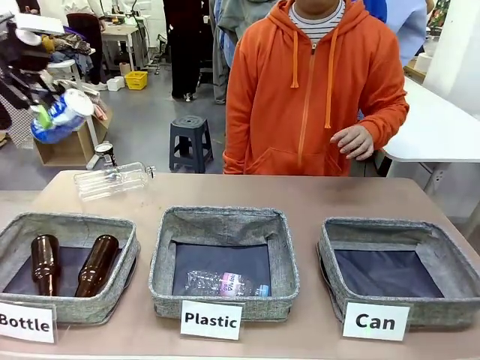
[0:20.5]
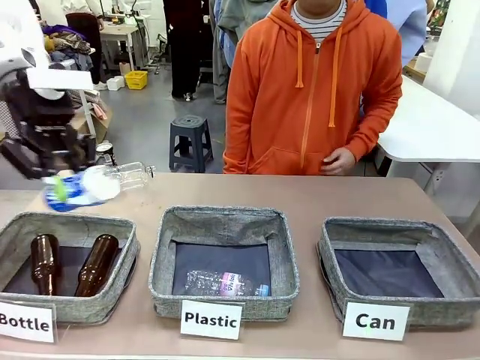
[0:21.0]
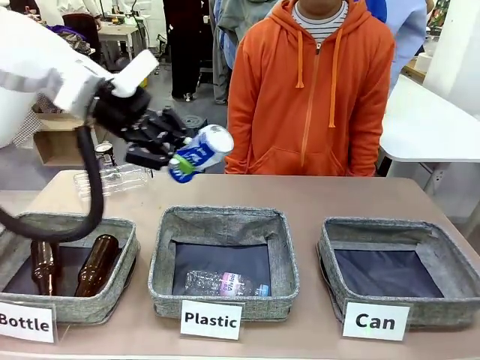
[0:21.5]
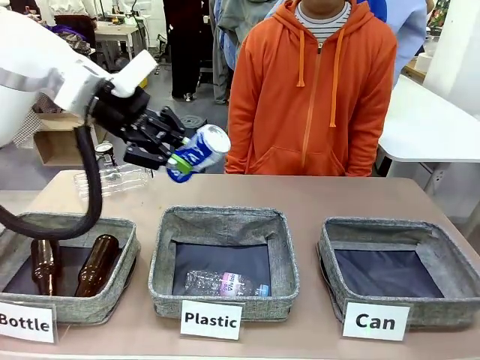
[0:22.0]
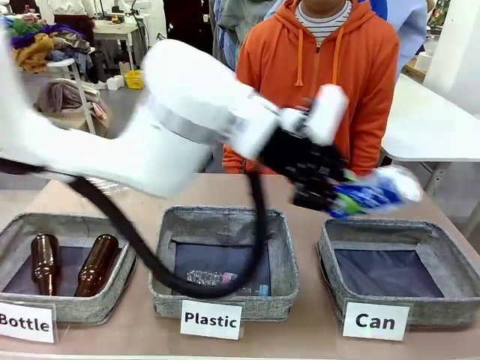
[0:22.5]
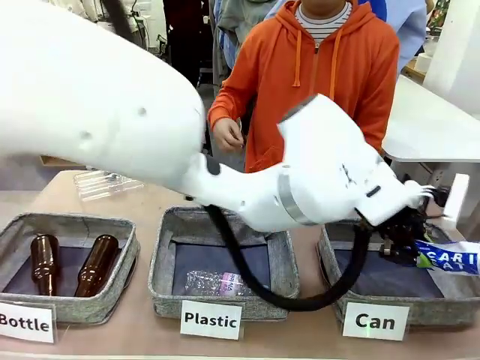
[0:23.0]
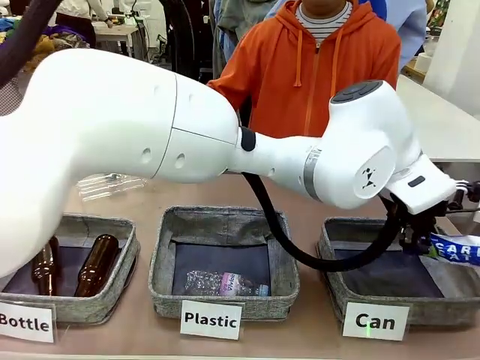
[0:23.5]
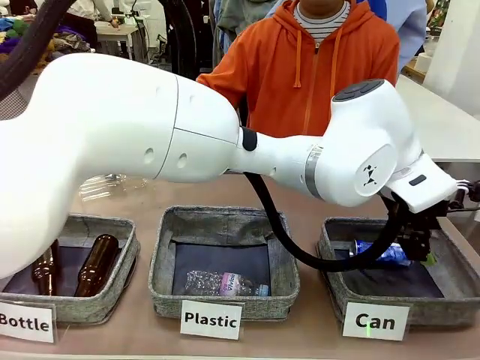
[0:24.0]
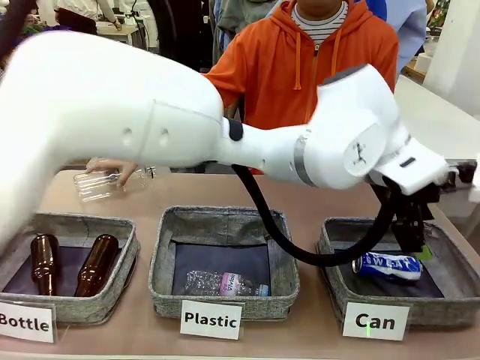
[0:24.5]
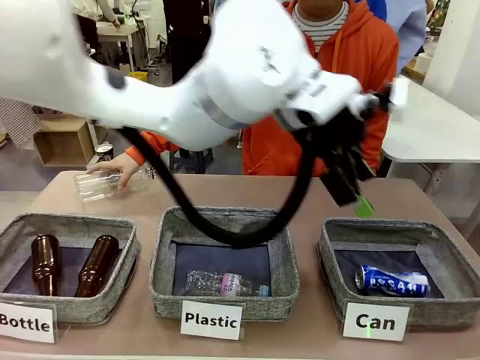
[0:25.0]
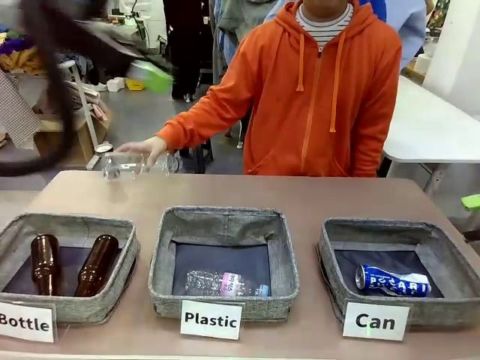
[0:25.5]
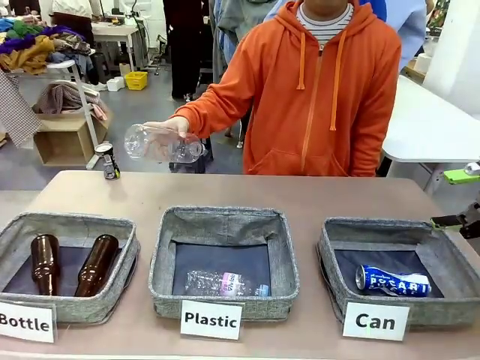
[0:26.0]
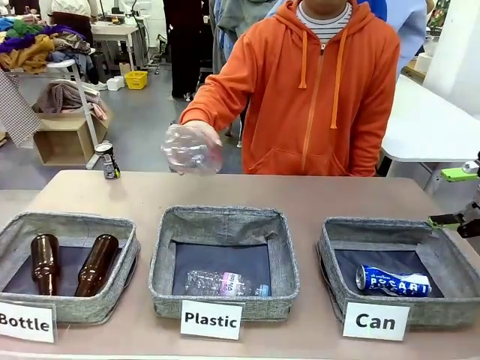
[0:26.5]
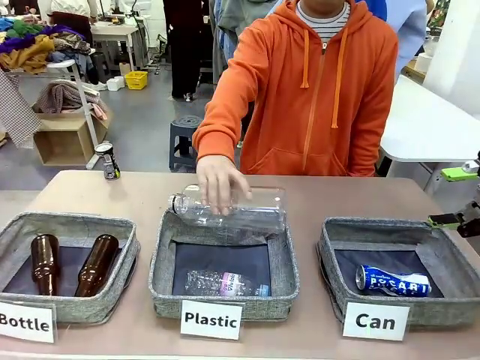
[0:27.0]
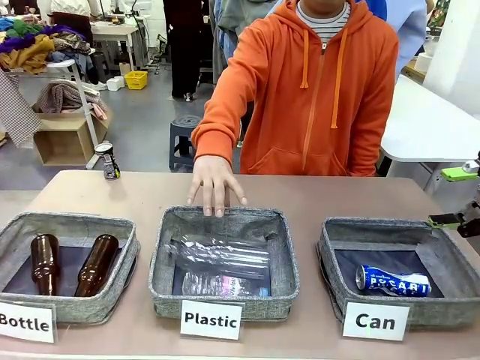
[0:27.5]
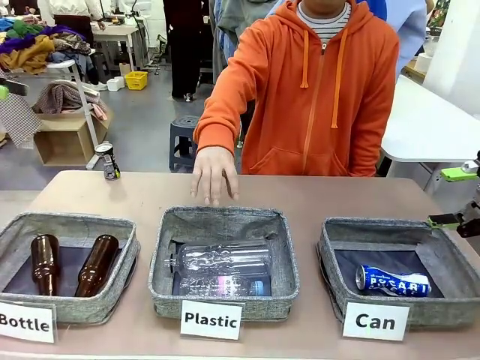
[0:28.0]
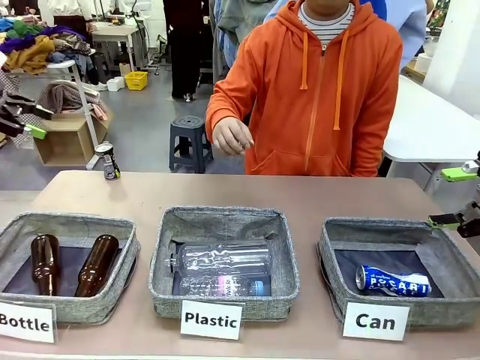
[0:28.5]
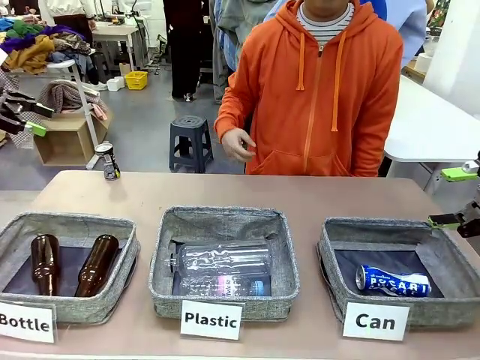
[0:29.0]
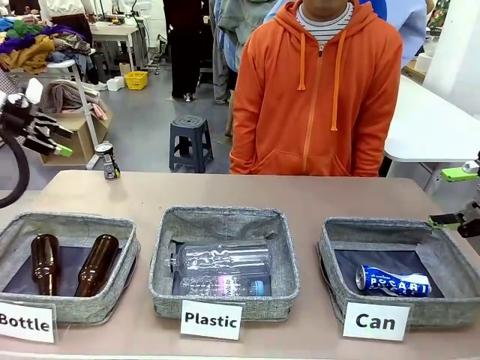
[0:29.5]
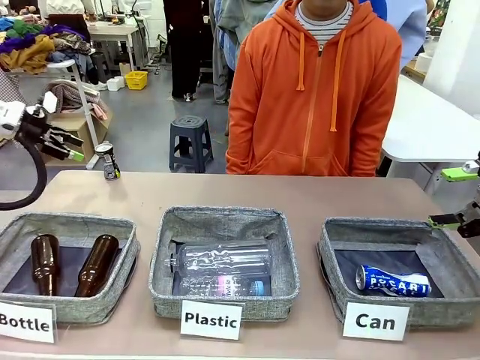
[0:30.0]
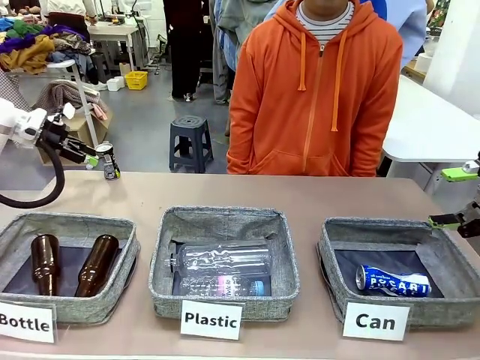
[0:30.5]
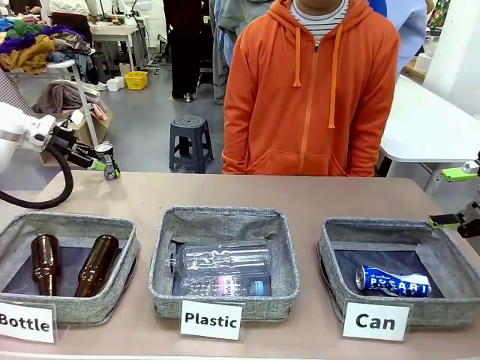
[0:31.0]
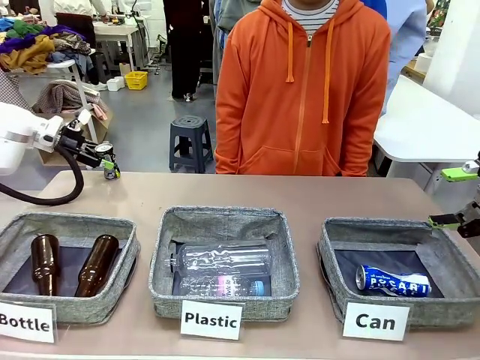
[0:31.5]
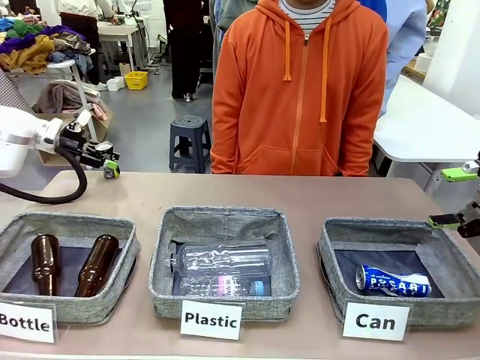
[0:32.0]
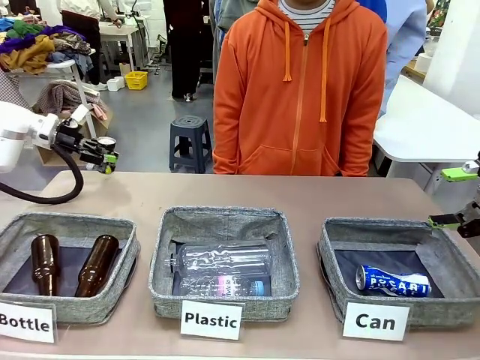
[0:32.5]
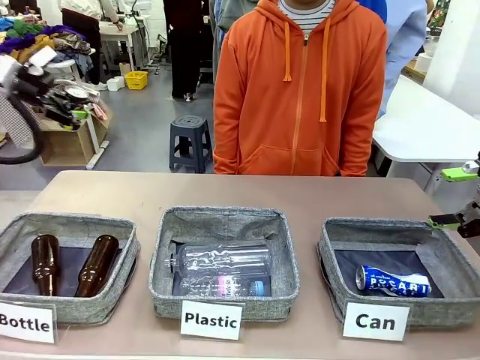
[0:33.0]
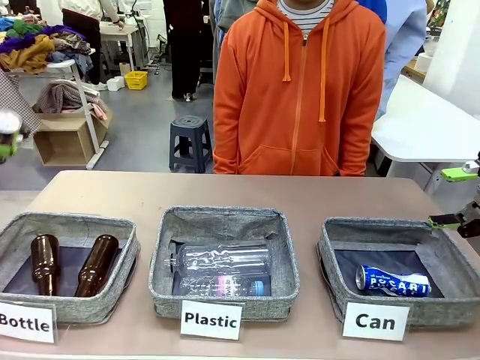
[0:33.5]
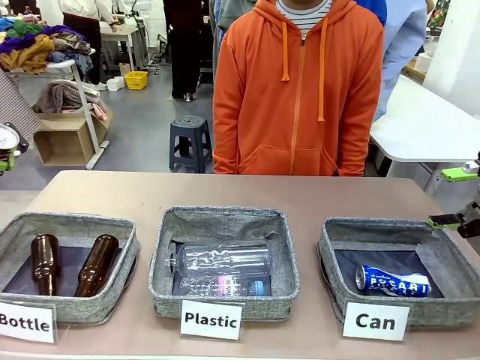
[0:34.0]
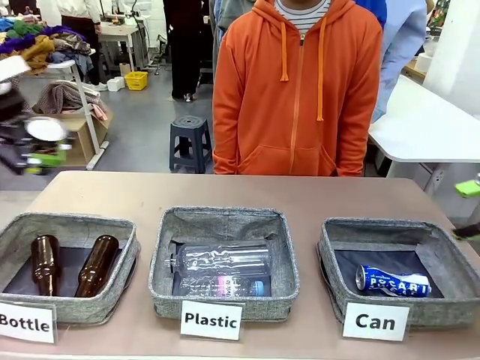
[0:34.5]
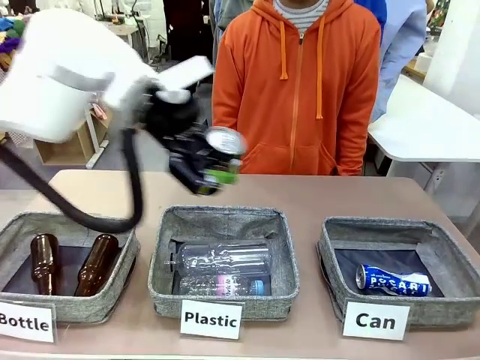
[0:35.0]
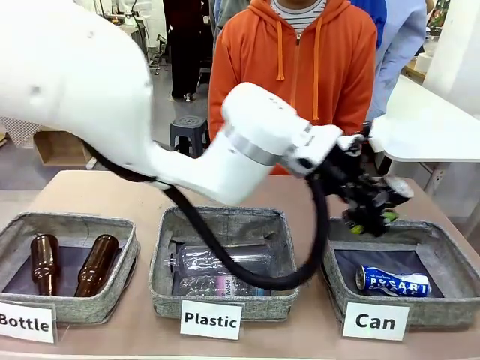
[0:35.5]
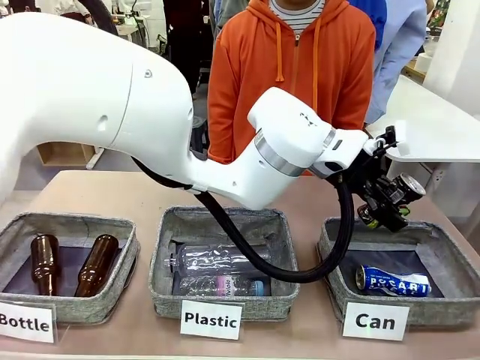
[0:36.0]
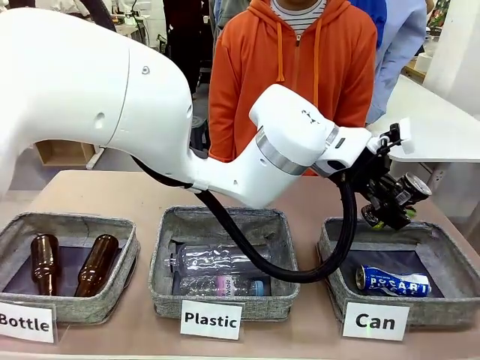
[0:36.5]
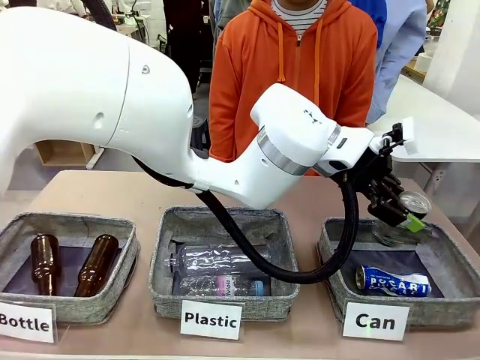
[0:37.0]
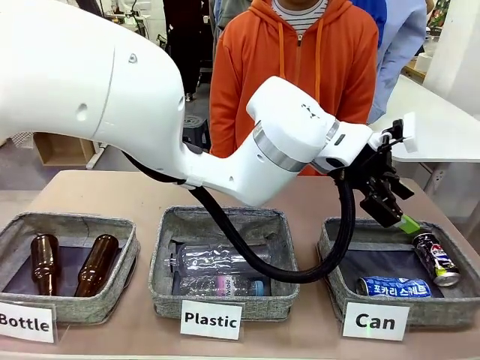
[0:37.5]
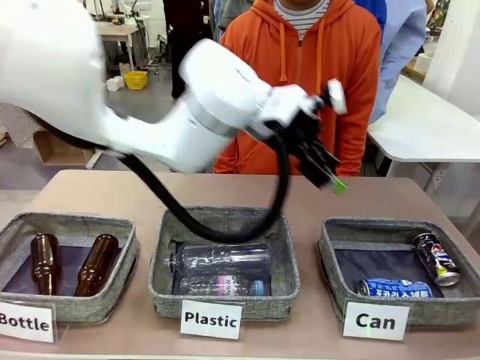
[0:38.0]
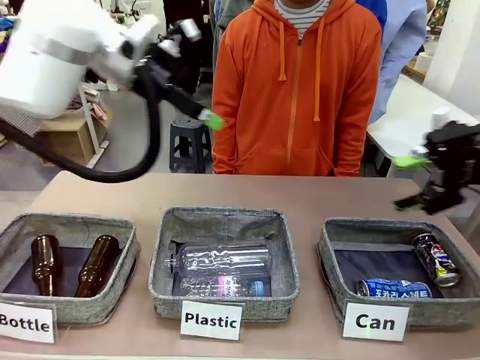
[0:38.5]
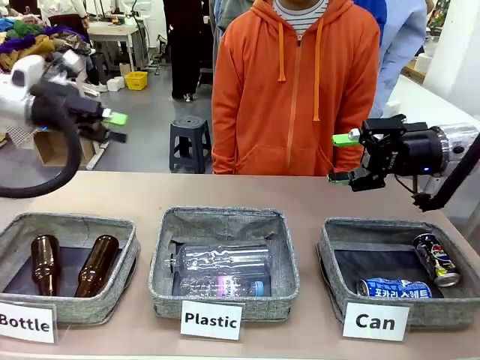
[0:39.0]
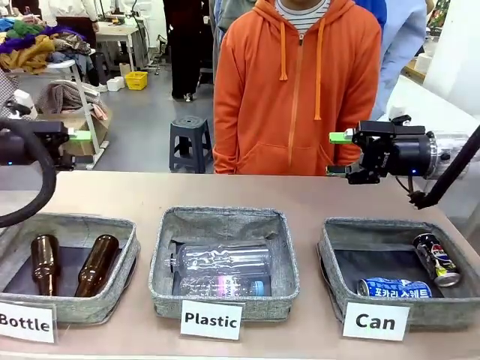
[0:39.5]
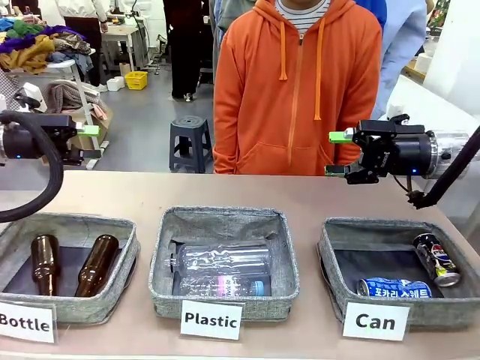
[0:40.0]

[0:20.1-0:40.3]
Task: Sort the can waste into the basket.
Robot: Pick up the can waste from the table and place it in the right Fabric basket.
Person: The human picks up one piece of trash that is not a can and places the trash into the appropriate organizing basket.

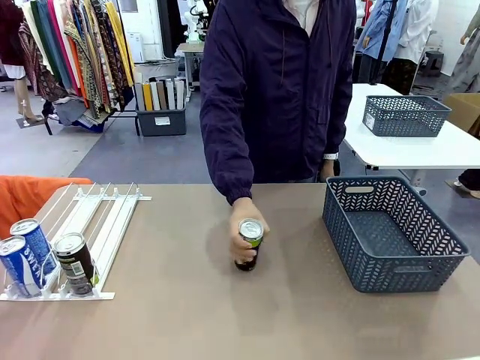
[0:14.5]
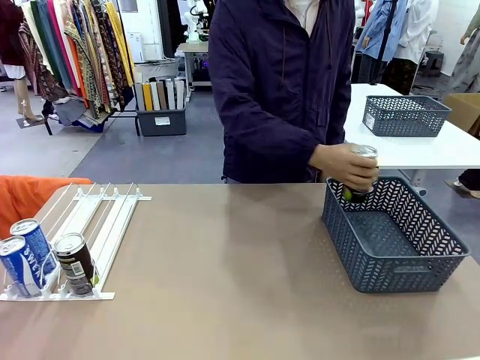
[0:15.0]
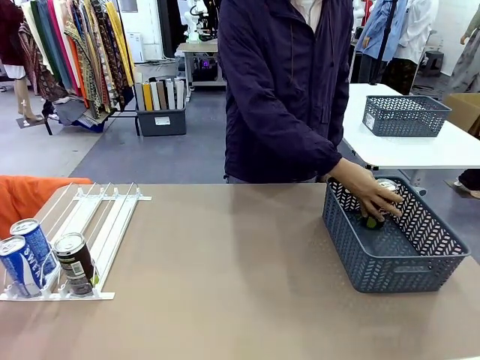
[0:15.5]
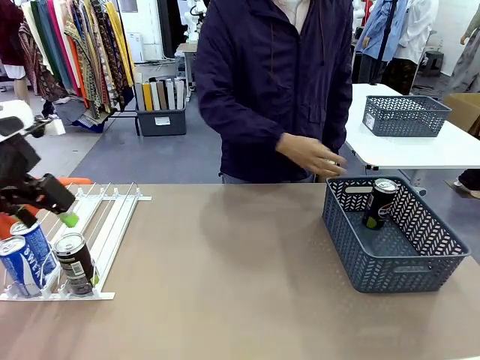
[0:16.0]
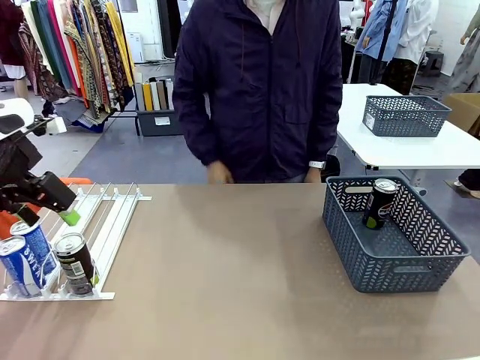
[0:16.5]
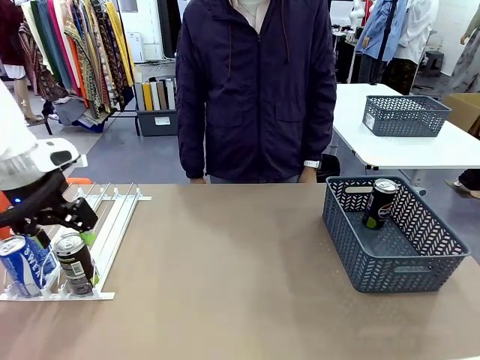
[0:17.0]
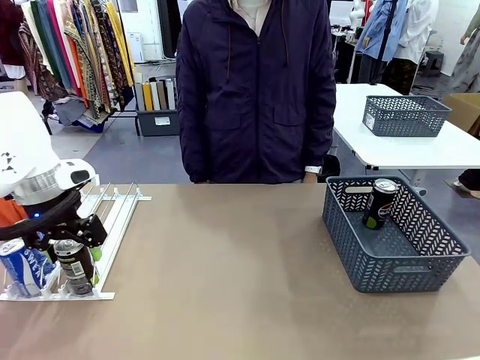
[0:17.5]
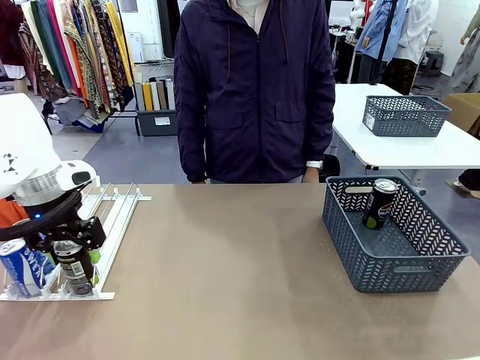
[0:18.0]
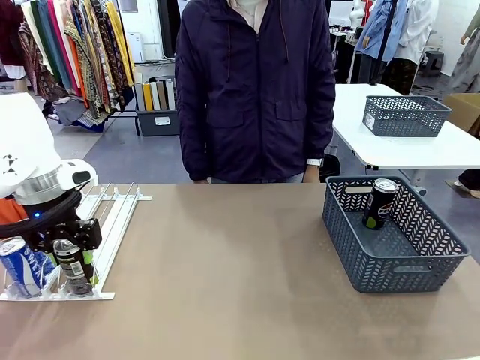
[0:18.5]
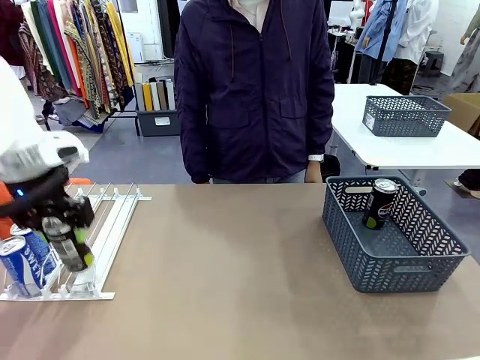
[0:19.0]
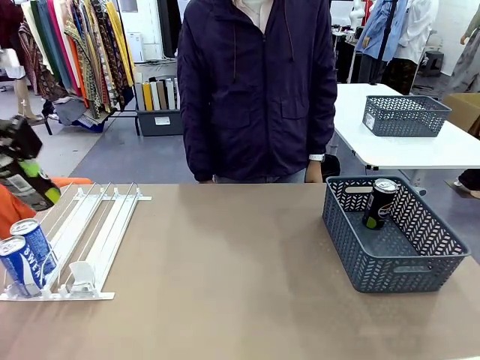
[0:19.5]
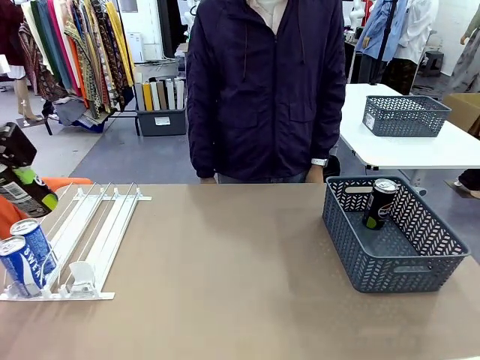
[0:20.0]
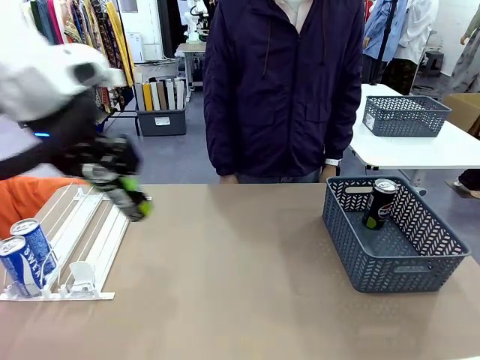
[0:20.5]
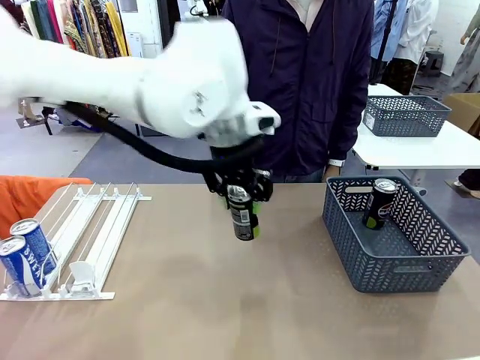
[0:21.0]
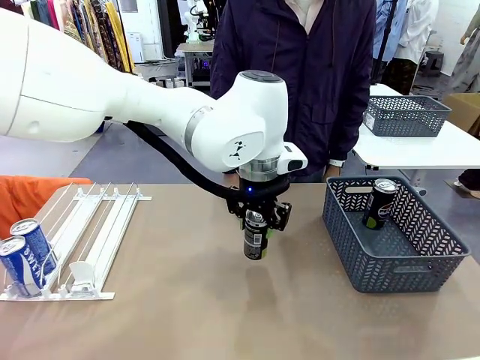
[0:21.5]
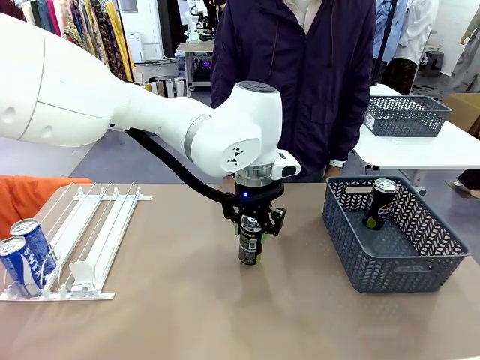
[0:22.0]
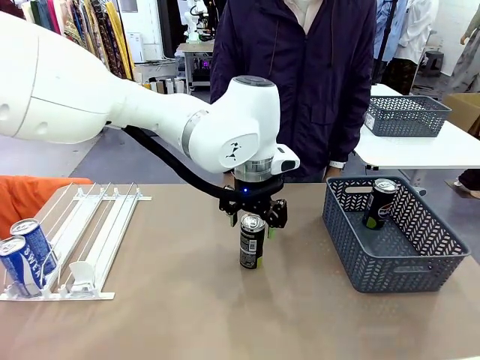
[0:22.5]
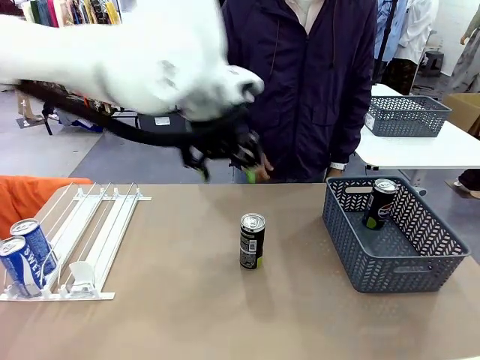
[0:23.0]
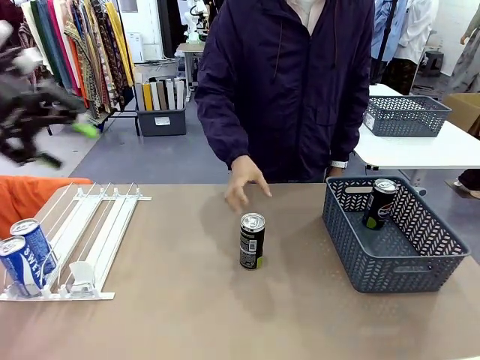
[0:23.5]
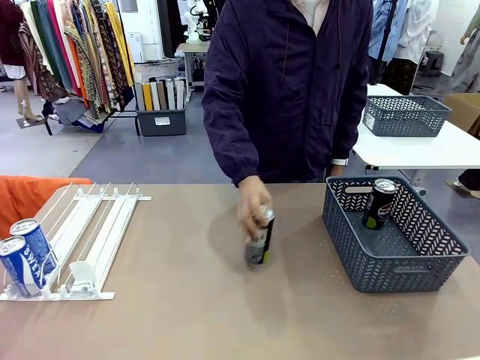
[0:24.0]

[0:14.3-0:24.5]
Task: Retrieve and store the cans from the dispenser.
Robot: Pick up the last remaining can from one row of the Automatic Can Dispenser and place it in the middle of the table.
Person: Pick up one Pepsi can from the middle of the robot table and place it in the basket.
